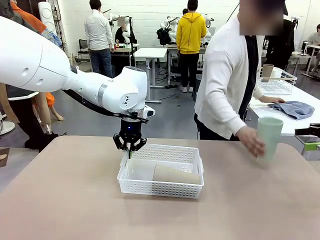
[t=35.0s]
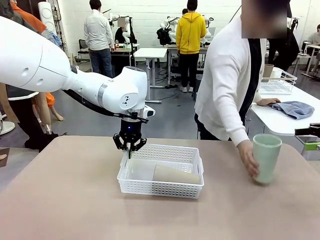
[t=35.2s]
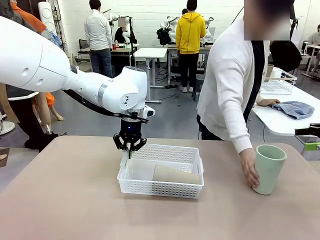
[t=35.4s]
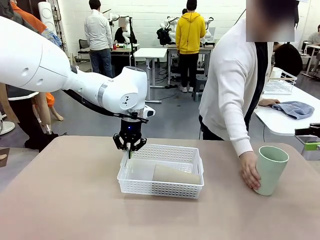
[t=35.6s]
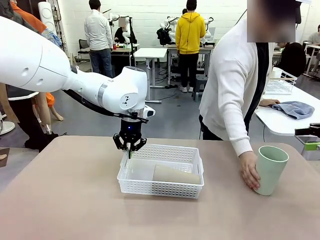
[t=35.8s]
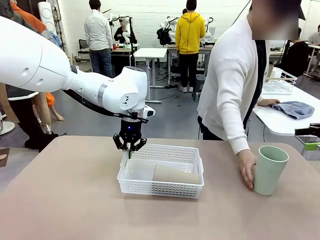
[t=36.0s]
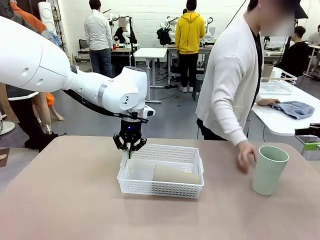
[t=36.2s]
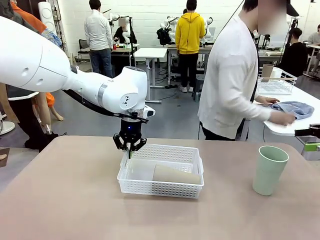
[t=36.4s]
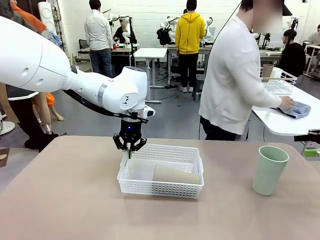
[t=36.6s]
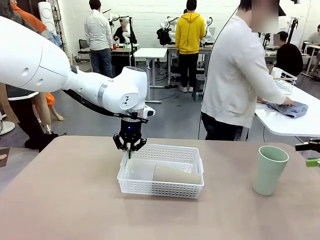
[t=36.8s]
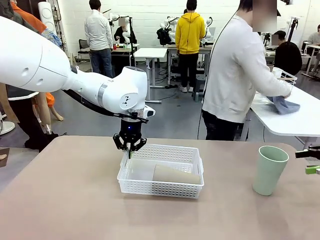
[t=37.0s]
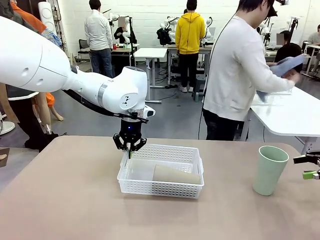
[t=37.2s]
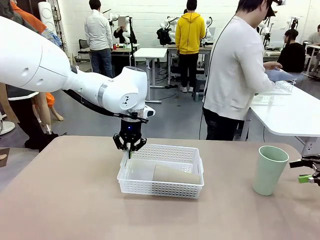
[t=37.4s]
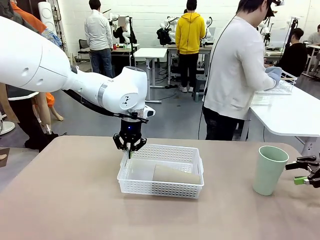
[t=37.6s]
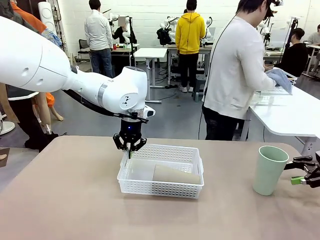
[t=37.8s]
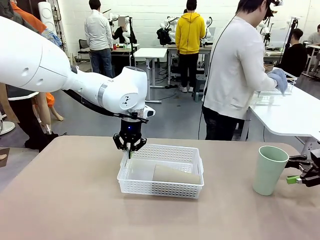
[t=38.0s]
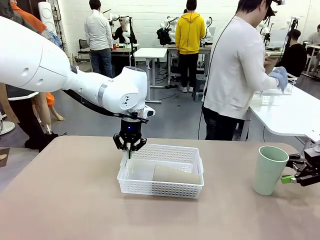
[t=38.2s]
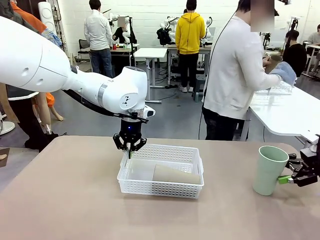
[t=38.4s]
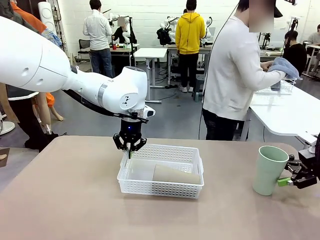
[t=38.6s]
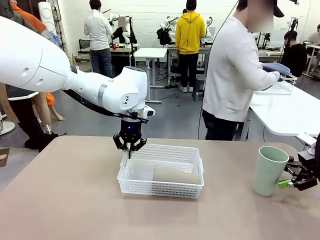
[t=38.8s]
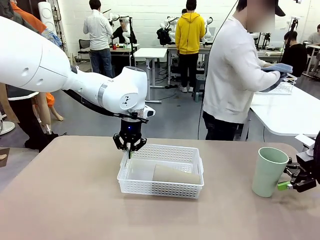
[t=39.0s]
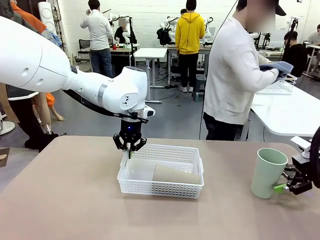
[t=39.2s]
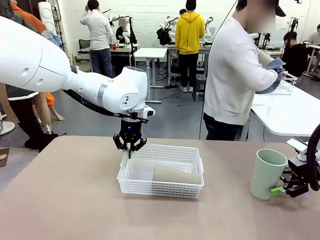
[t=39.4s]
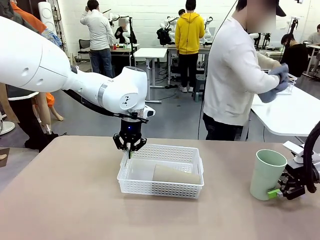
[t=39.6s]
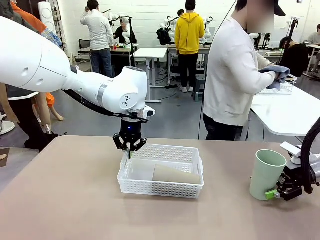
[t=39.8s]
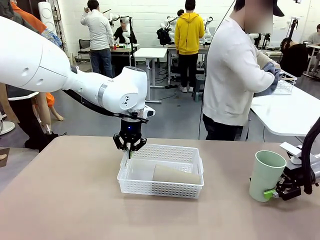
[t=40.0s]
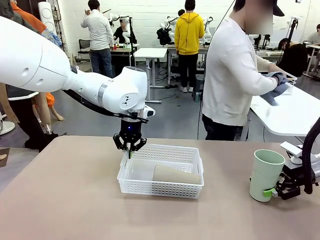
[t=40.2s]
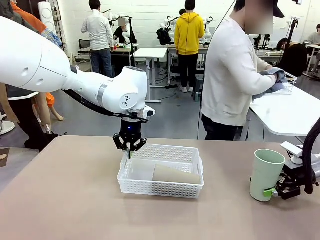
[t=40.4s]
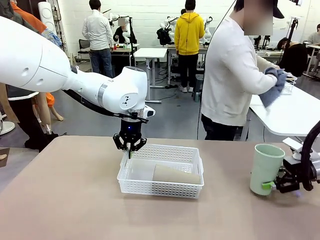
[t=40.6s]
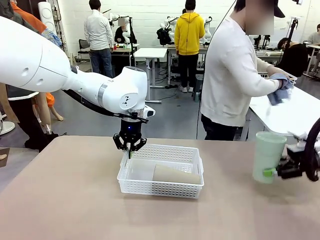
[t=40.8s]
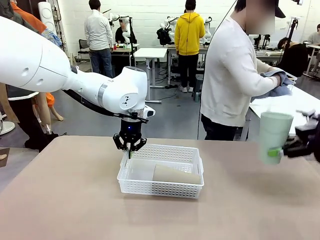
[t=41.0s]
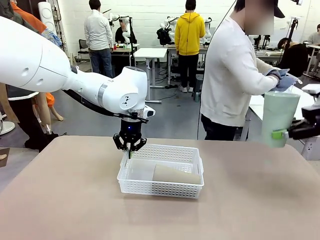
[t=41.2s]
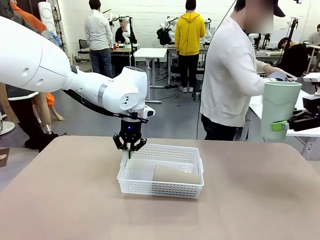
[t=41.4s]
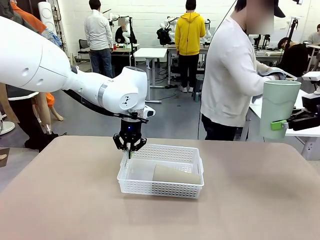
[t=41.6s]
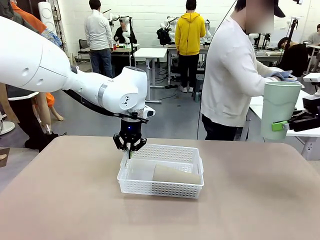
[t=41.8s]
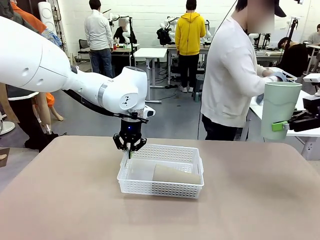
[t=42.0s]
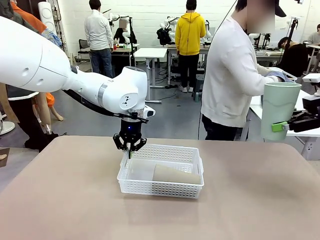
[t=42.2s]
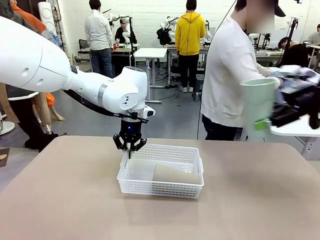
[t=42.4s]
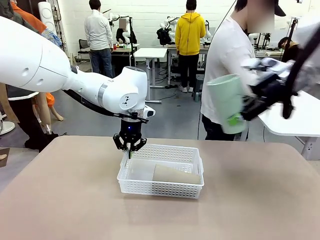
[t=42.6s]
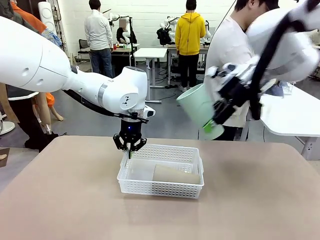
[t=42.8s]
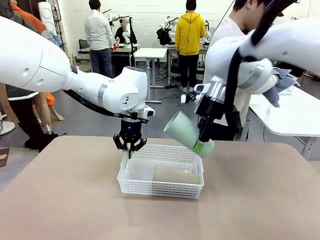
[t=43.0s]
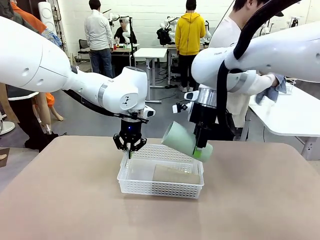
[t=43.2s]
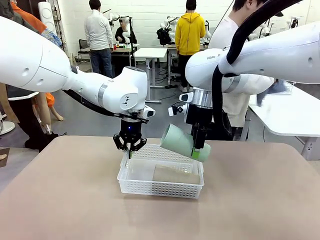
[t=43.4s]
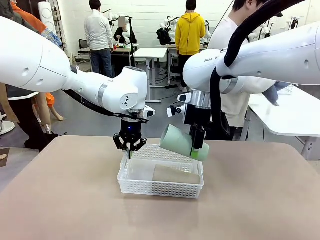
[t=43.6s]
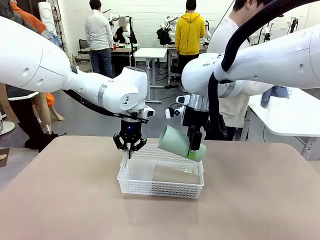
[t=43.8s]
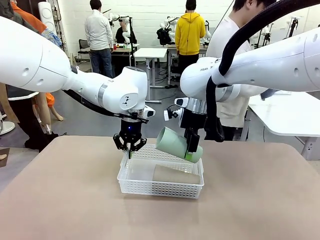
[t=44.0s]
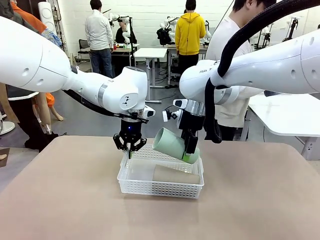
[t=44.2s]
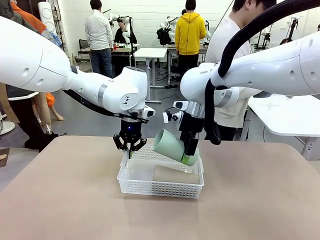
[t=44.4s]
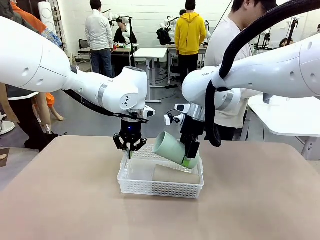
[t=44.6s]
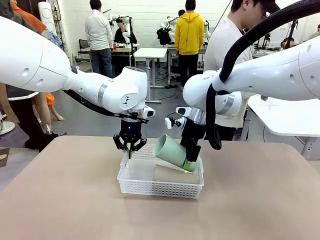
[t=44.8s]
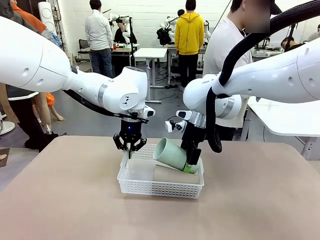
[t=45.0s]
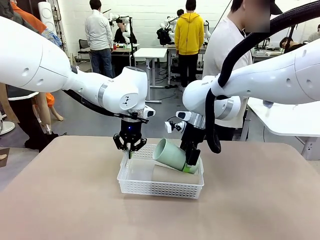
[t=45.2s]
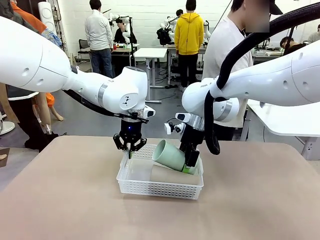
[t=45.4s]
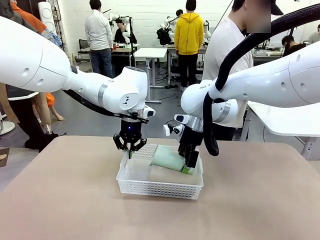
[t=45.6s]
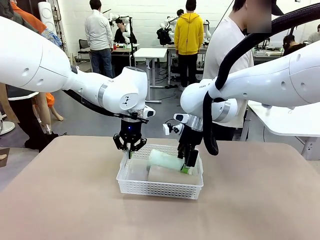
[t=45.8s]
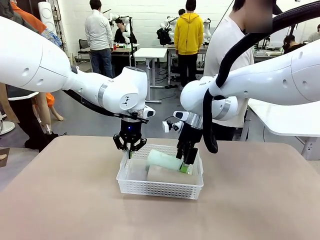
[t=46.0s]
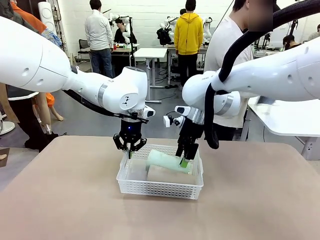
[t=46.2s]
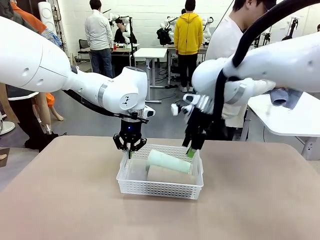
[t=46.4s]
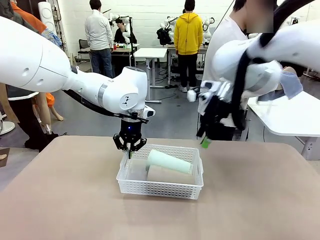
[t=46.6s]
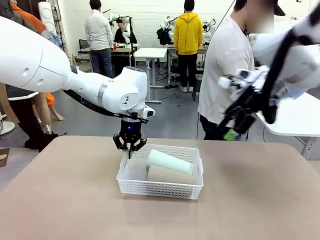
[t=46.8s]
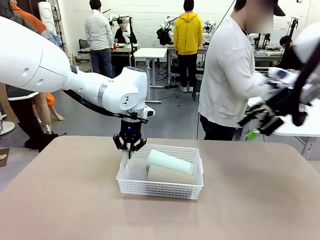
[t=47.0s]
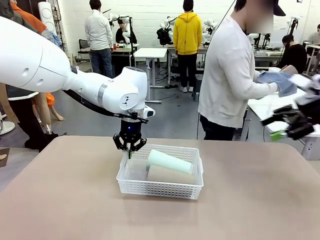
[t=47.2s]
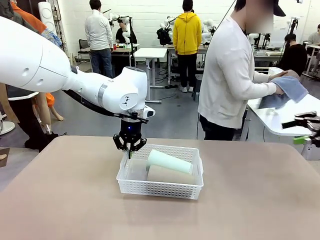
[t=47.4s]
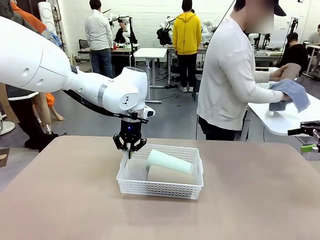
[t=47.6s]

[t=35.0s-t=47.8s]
Task: Clean and organize the cups into the basket.
Robot: Pick up the Reusable plastic cup from the right side of the table and stack it inside the Organizing basket in the center of the table.
